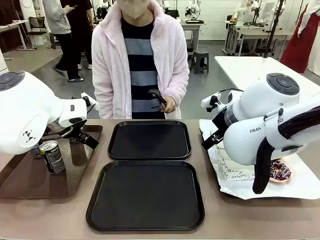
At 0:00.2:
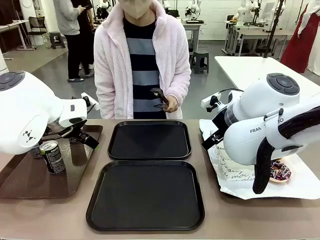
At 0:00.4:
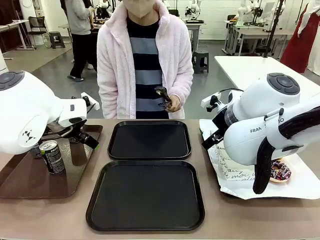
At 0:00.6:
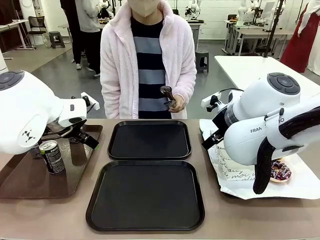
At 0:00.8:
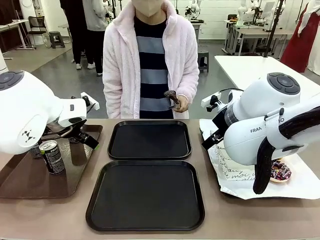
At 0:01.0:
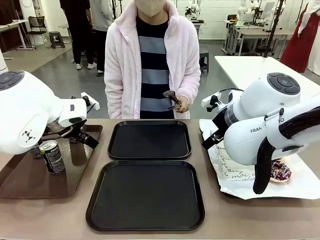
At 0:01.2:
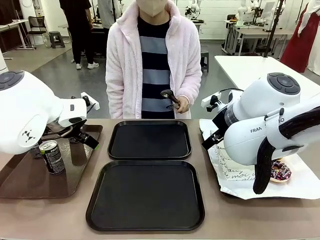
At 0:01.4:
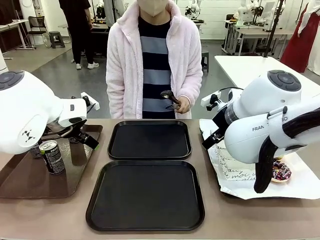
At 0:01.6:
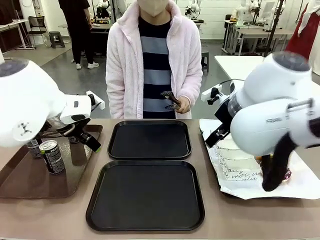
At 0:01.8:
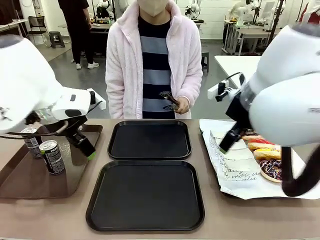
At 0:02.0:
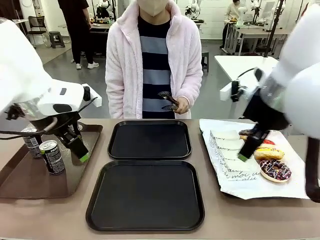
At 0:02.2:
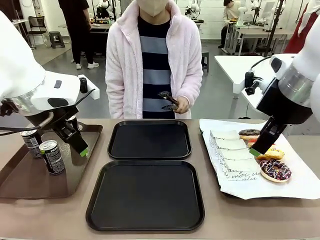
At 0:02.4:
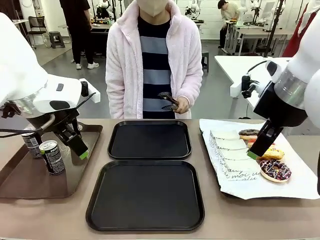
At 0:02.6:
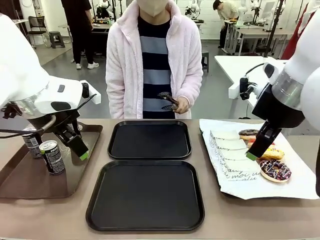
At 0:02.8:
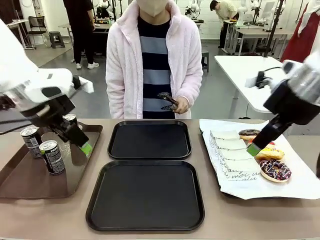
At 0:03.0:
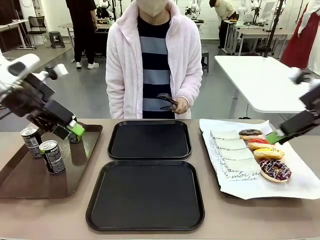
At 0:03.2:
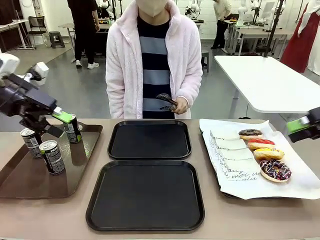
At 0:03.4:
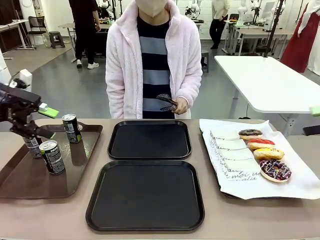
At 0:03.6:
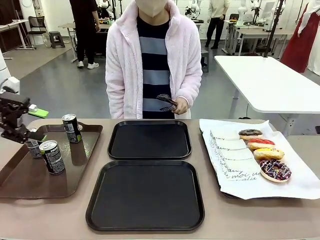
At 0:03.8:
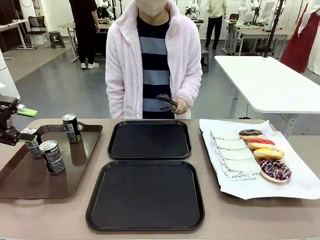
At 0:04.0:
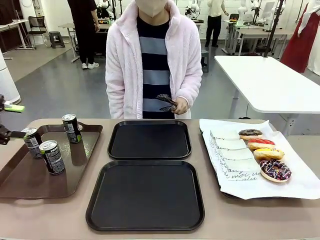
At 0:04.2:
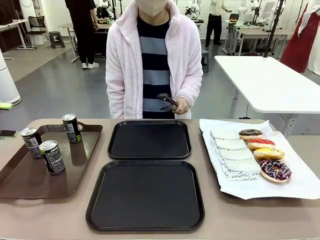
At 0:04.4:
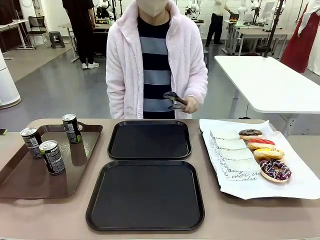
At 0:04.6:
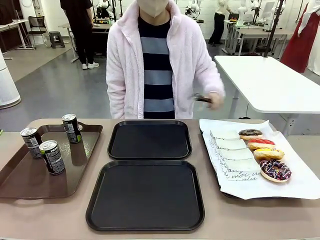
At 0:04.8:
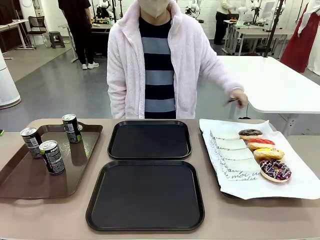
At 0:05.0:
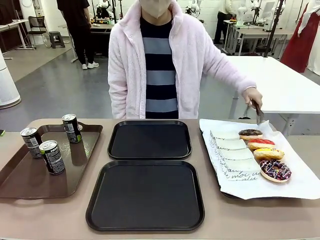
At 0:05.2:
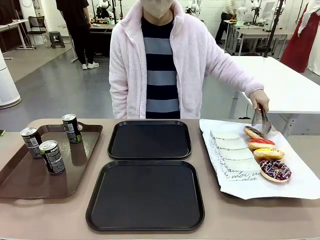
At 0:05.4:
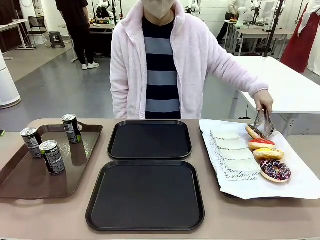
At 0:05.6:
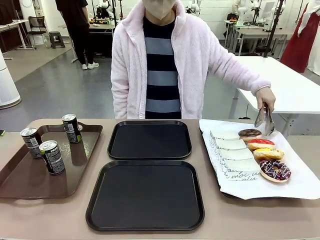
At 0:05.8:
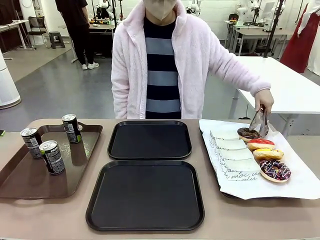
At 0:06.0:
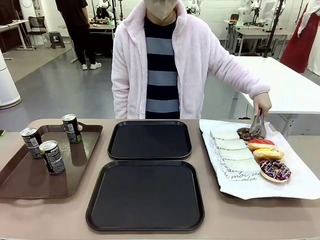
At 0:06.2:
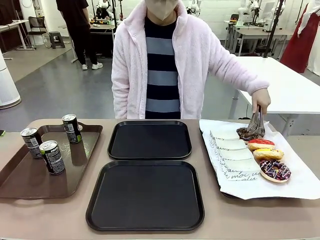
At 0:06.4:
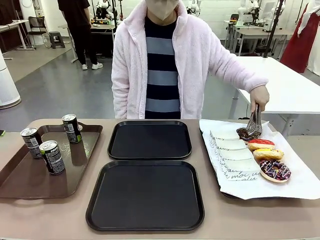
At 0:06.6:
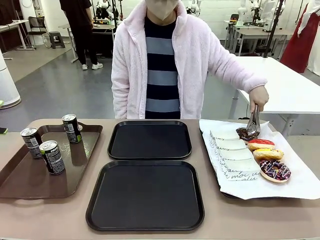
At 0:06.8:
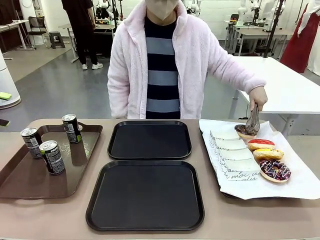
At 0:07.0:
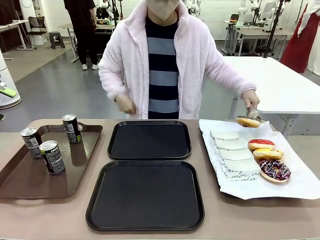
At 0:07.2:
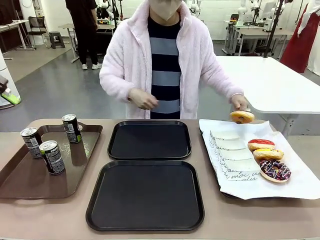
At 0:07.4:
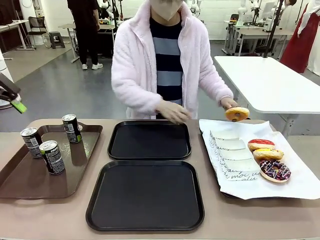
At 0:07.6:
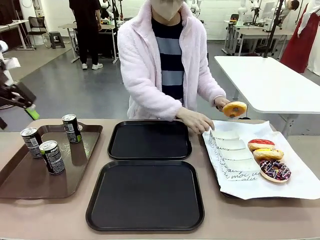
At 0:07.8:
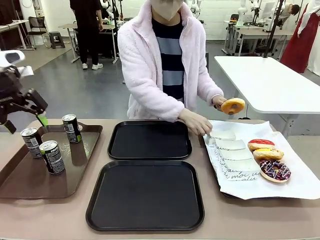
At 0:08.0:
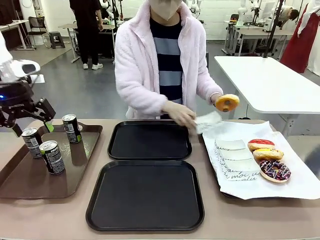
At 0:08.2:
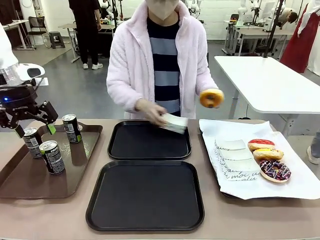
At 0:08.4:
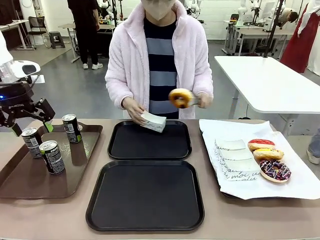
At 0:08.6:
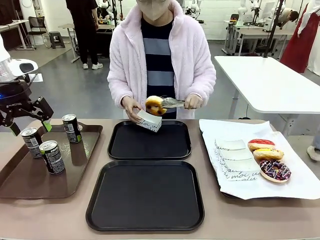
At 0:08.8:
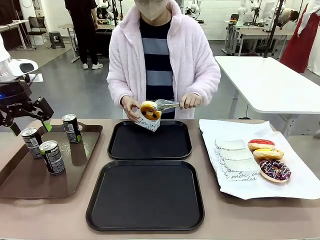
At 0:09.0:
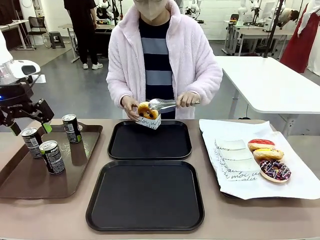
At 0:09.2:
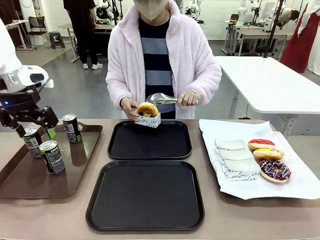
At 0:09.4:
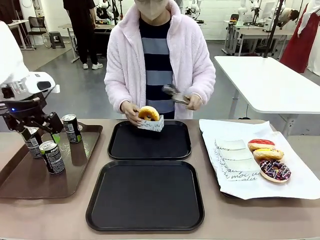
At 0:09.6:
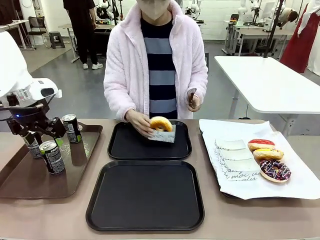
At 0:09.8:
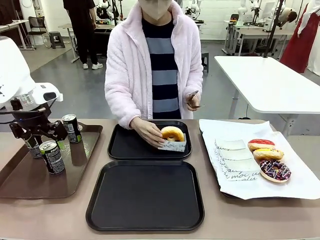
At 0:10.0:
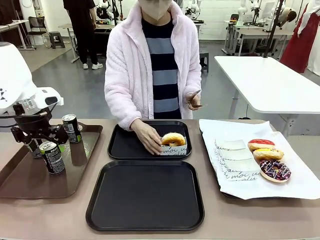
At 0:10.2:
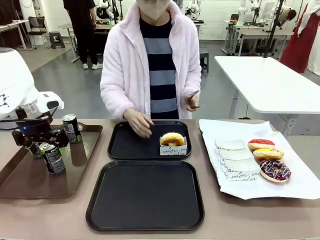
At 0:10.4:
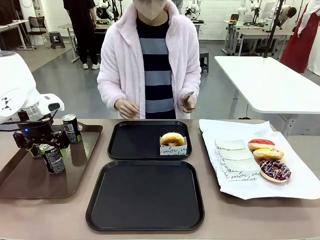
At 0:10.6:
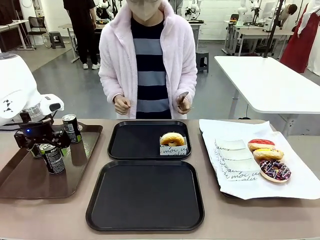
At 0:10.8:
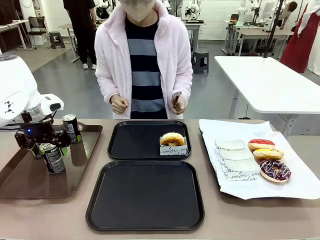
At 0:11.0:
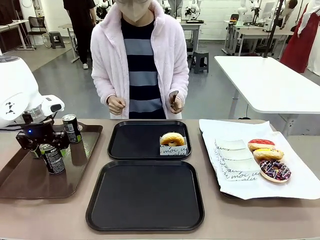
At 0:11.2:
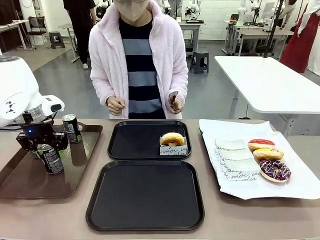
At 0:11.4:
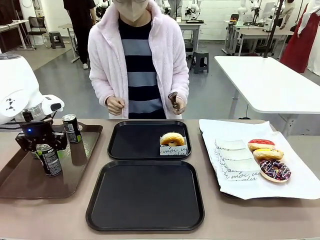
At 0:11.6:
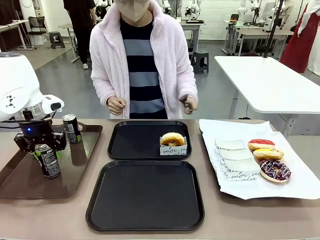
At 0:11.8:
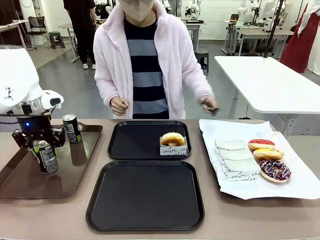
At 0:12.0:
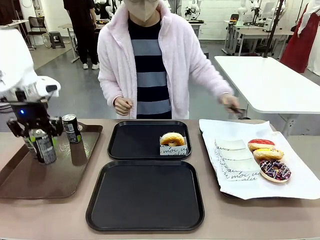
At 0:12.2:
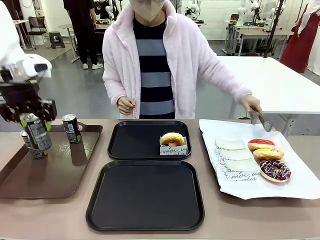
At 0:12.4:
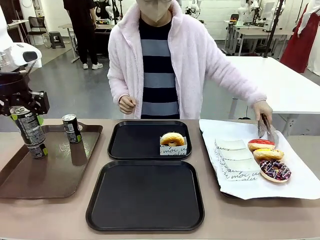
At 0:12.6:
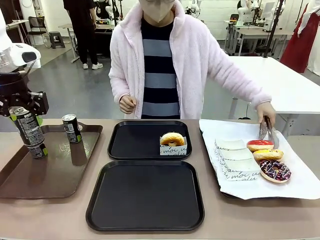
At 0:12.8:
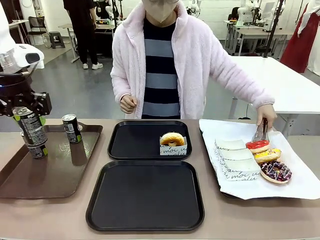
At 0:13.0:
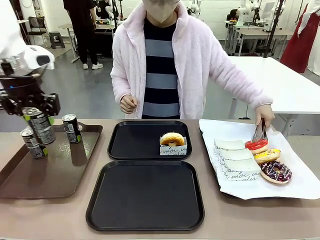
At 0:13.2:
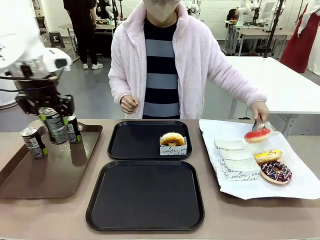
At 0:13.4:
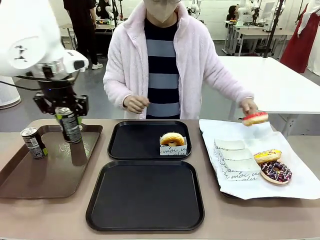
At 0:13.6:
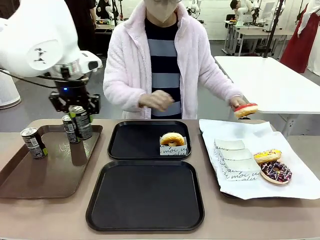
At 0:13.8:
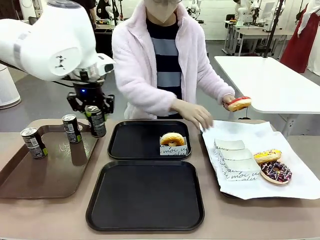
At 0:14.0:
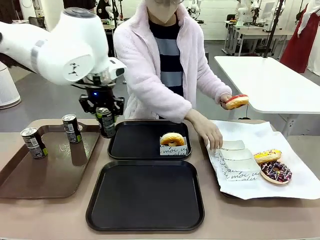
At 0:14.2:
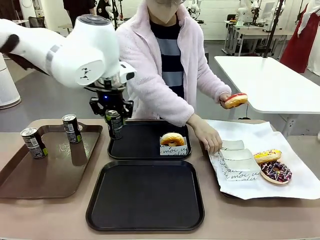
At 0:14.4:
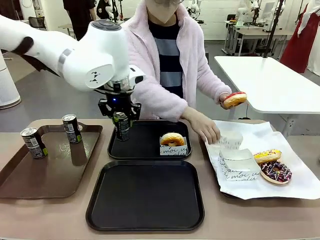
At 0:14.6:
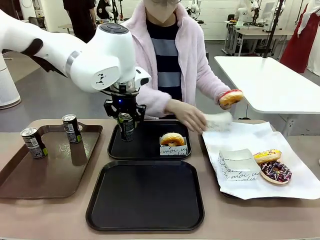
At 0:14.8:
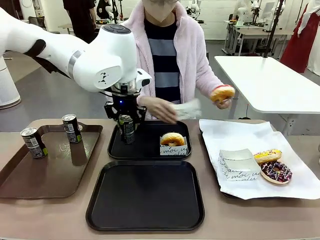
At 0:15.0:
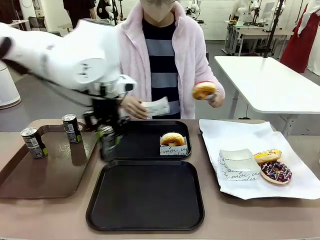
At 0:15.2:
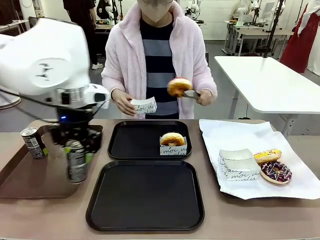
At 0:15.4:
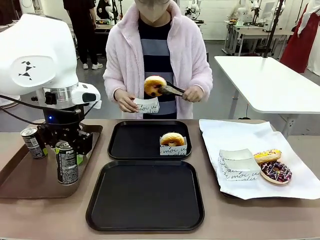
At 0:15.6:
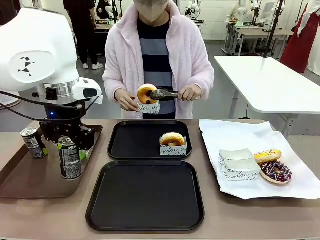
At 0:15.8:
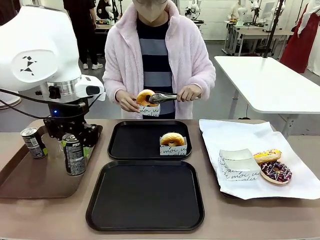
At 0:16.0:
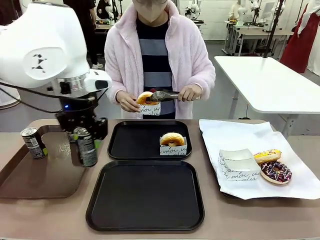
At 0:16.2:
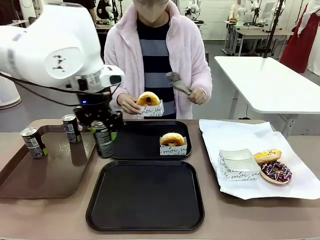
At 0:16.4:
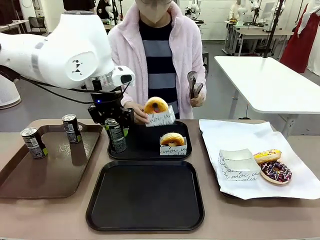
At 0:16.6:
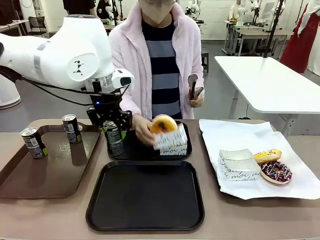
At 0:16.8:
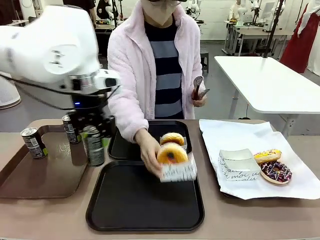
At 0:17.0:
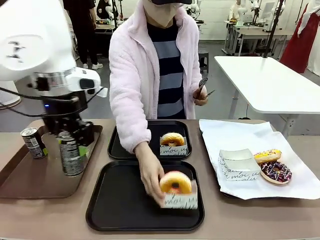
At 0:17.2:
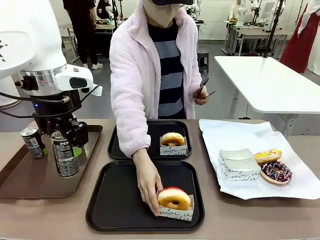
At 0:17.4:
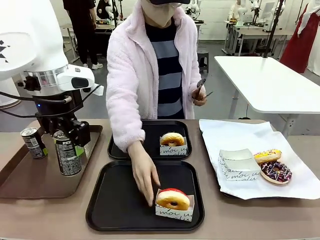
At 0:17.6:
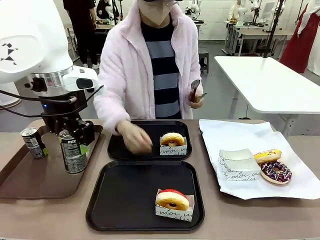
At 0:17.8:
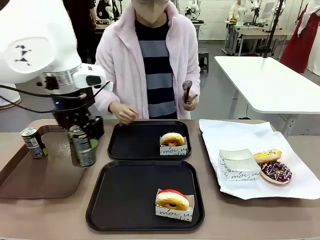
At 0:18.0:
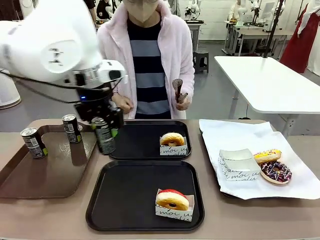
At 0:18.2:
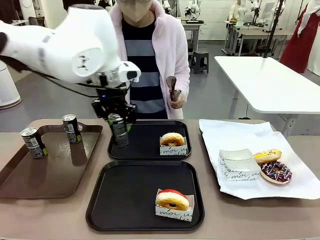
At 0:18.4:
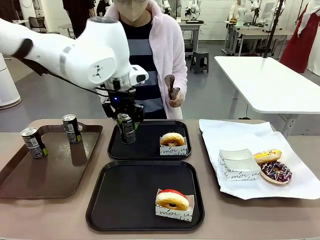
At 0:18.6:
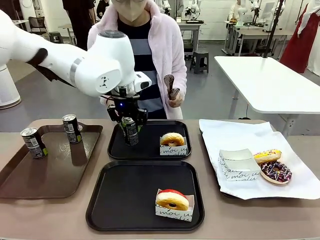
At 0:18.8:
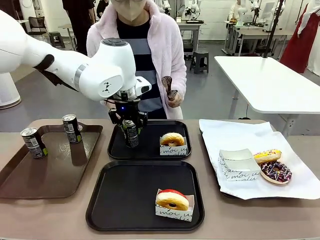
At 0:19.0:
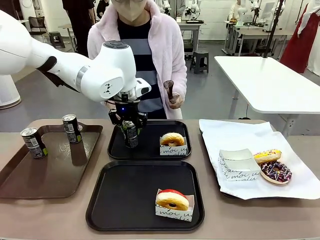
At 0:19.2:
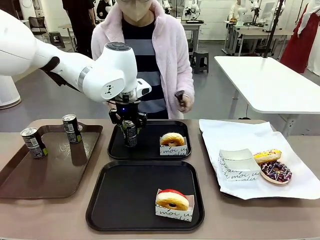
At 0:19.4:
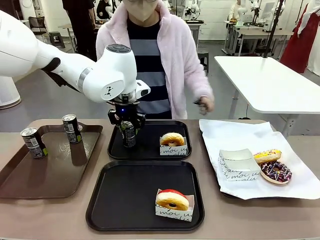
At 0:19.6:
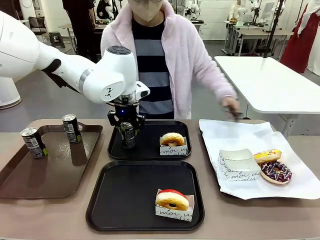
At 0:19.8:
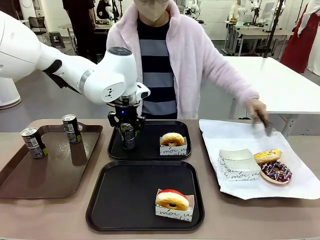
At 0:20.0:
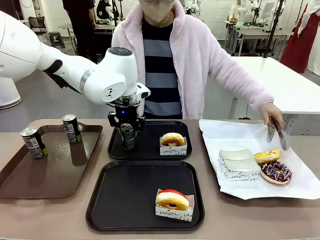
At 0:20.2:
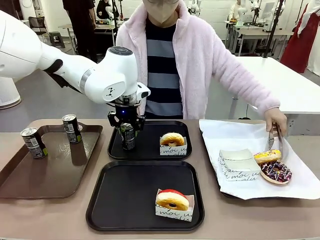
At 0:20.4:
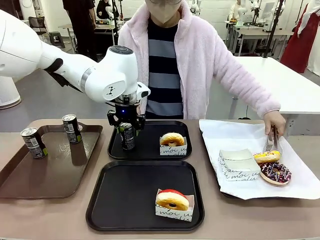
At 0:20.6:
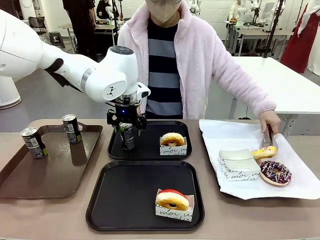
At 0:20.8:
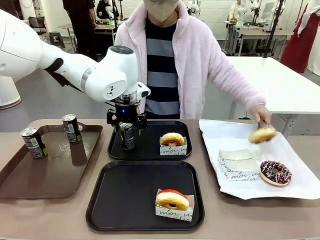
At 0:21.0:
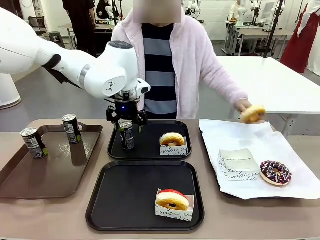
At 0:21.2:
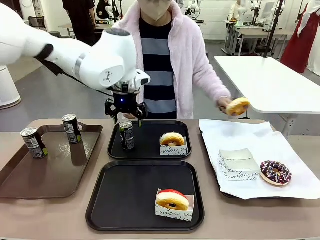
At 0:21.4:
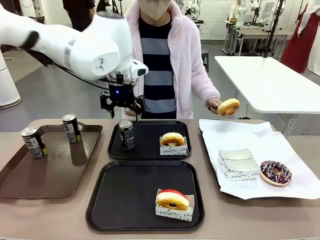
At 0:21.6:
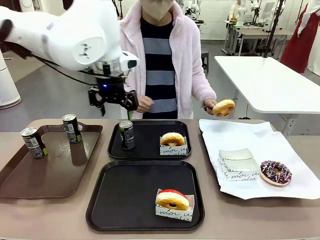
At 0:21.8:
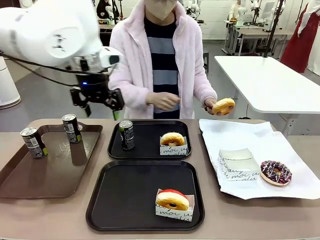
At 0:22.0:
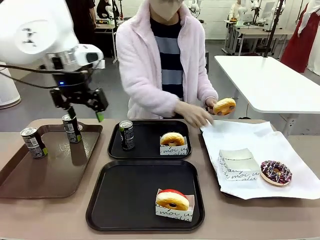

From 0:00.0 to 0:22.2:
Task: Set up donuts and drinks on trays.
Robot: Pick up one Pepsi coke and place it on the Flat Tray.
Person: Pick up one donut with tongs, place it in the donut tray, and then place the donut tray on the flat tray.
